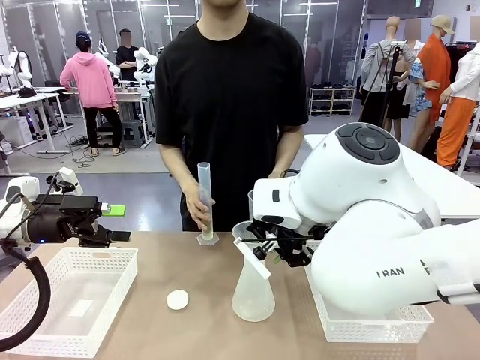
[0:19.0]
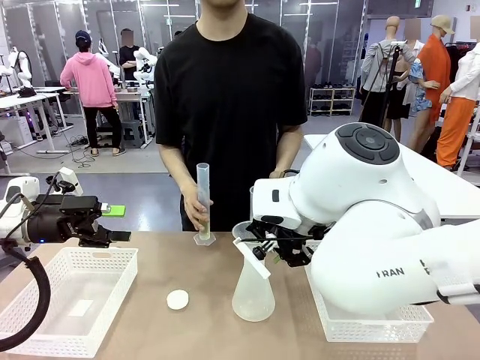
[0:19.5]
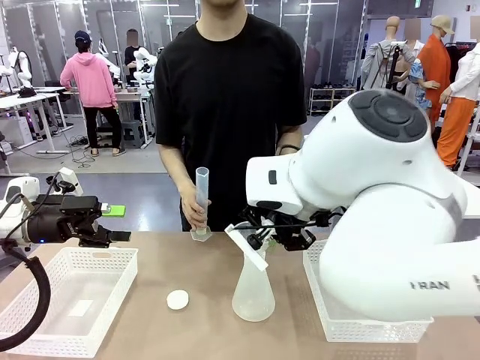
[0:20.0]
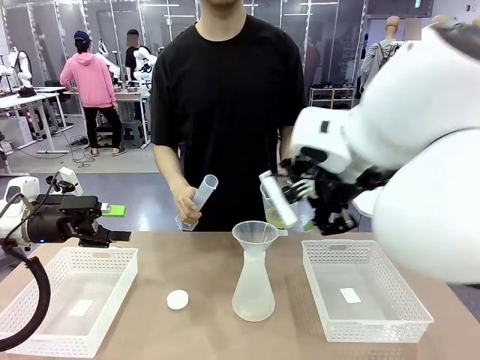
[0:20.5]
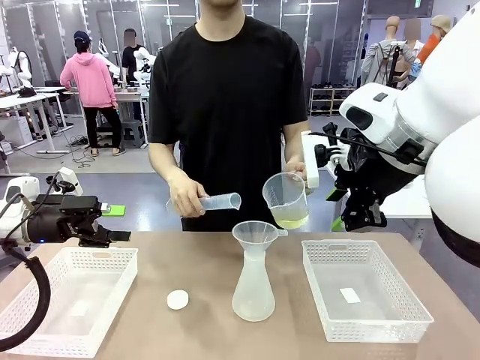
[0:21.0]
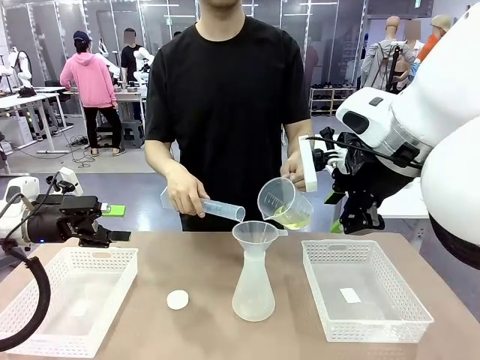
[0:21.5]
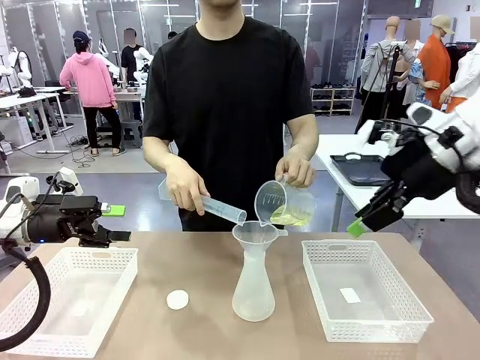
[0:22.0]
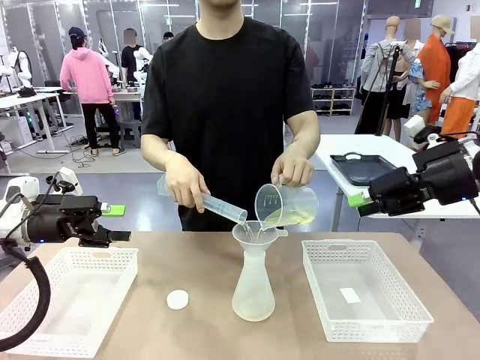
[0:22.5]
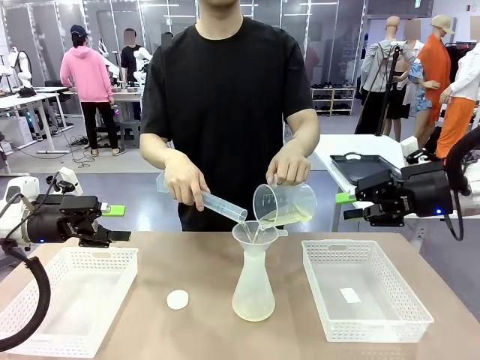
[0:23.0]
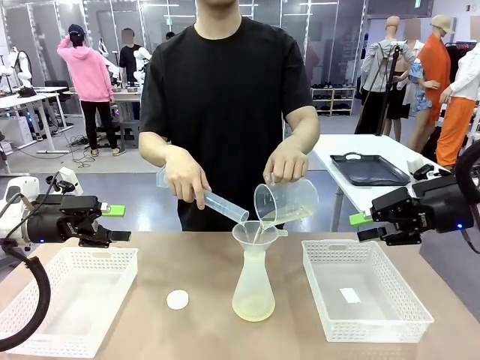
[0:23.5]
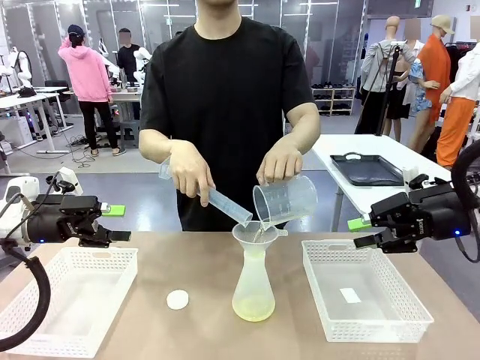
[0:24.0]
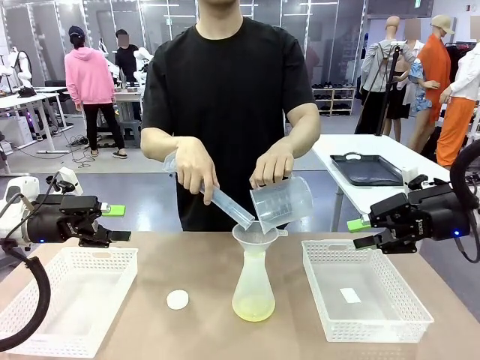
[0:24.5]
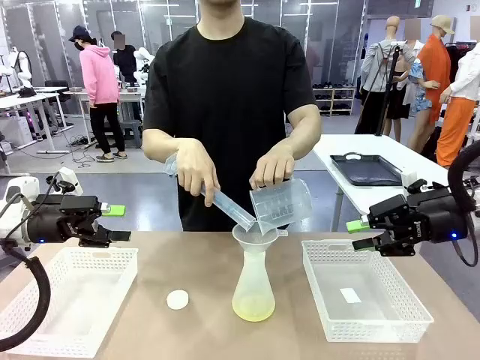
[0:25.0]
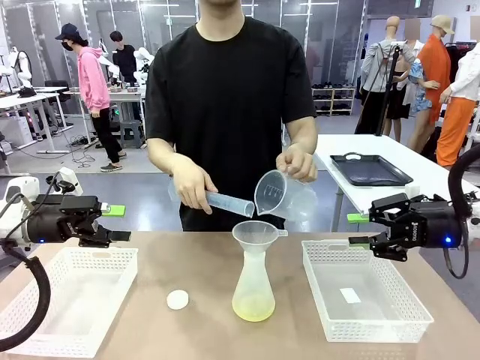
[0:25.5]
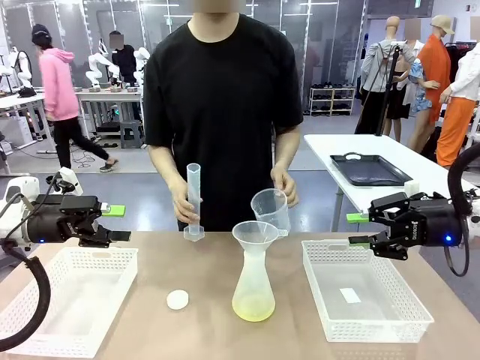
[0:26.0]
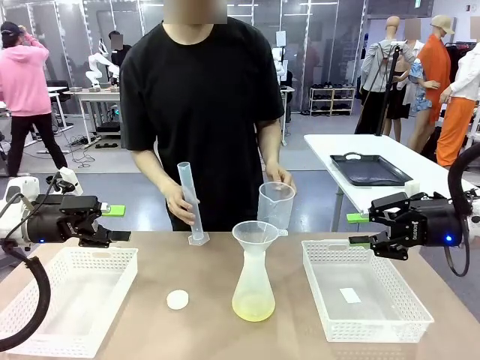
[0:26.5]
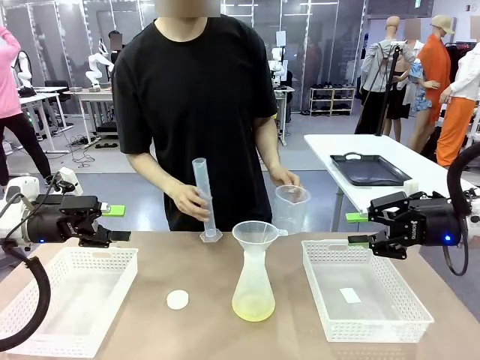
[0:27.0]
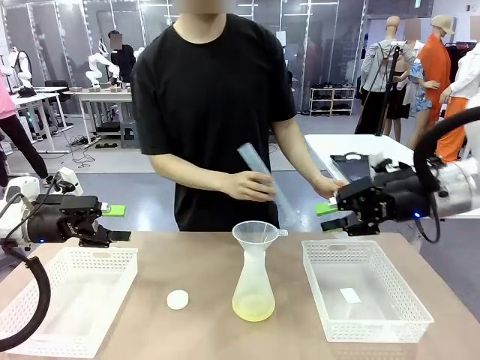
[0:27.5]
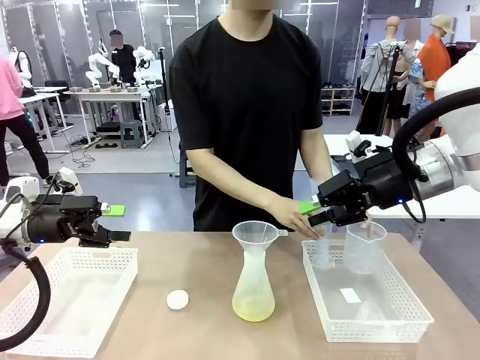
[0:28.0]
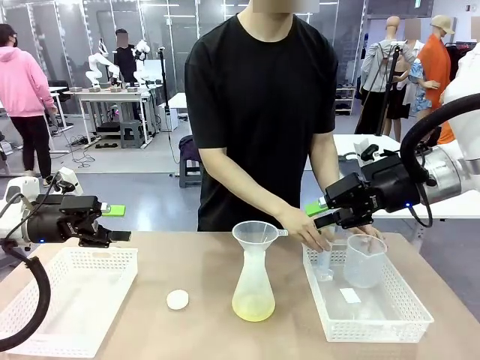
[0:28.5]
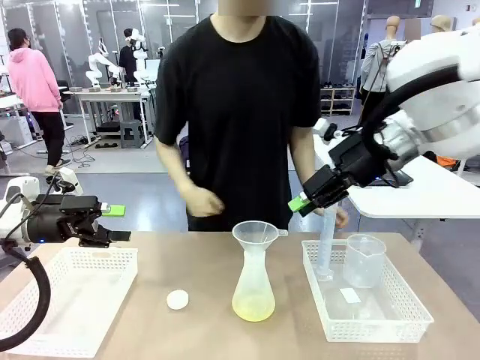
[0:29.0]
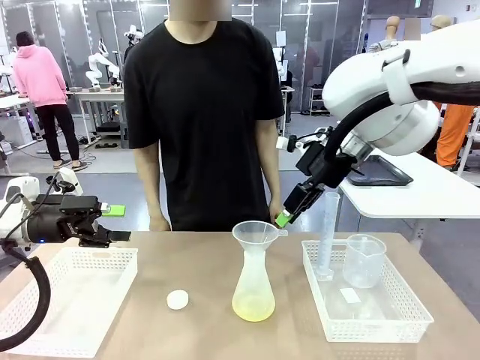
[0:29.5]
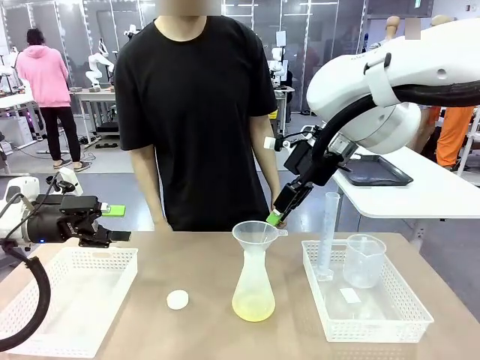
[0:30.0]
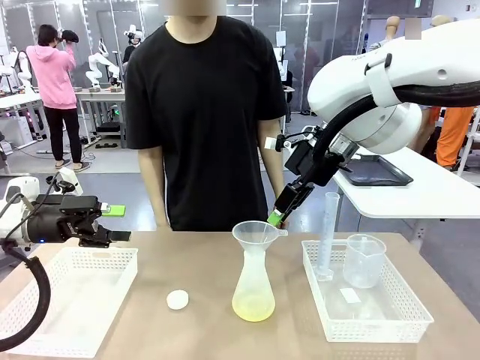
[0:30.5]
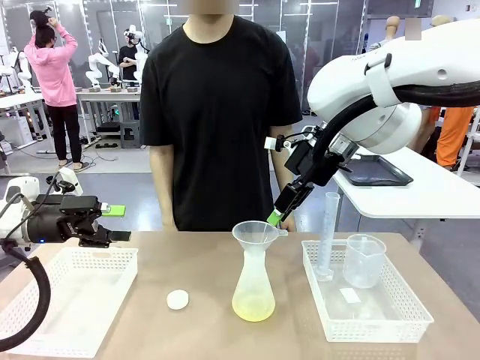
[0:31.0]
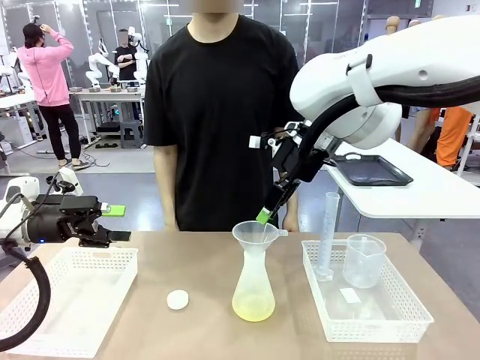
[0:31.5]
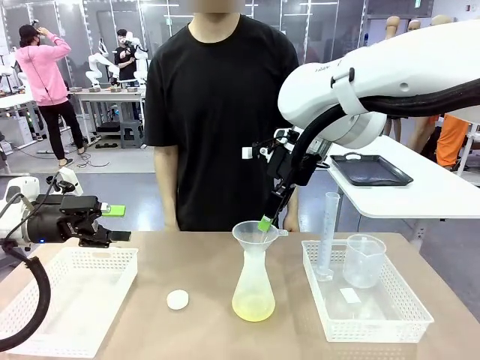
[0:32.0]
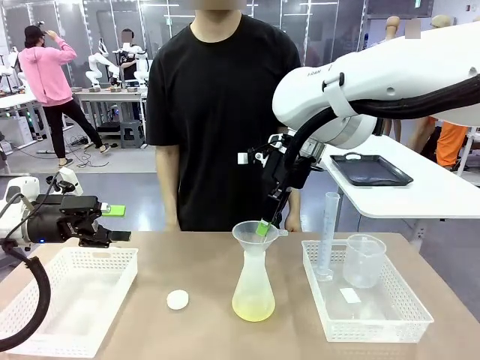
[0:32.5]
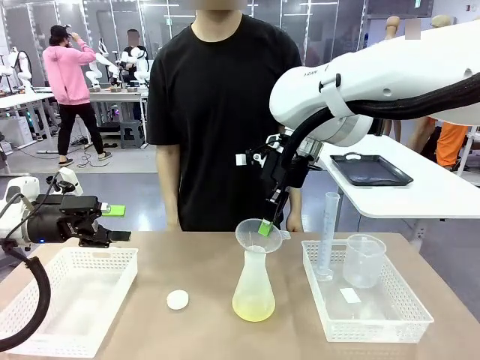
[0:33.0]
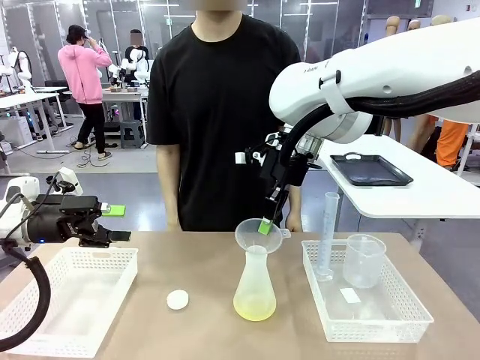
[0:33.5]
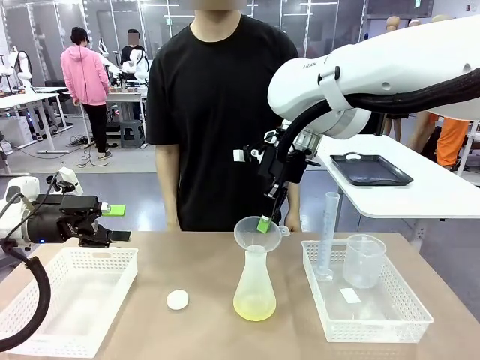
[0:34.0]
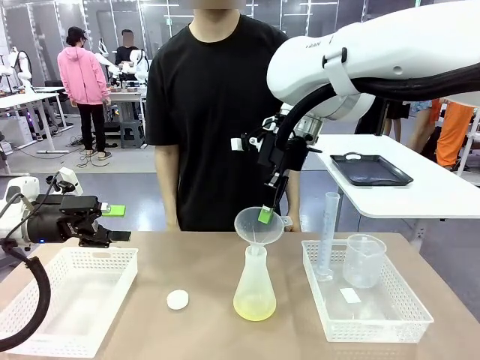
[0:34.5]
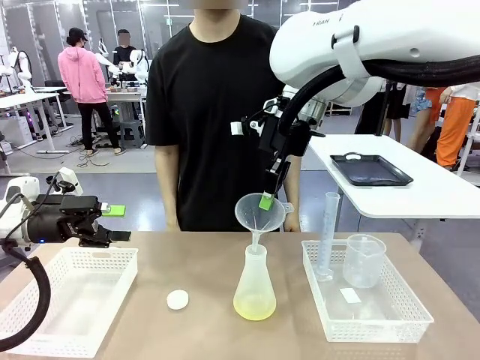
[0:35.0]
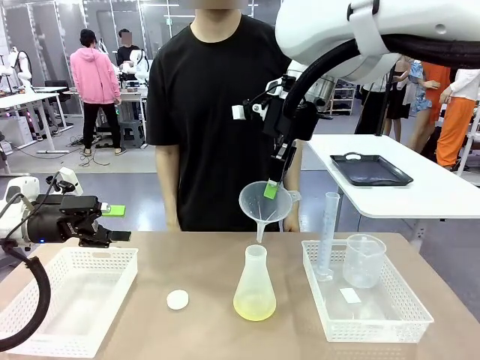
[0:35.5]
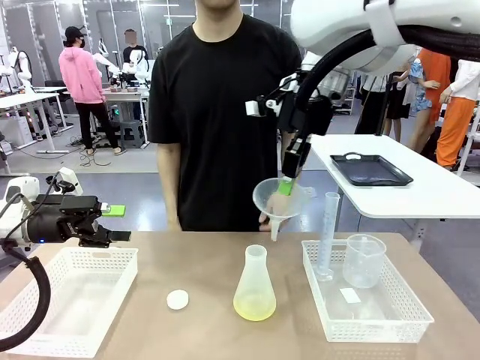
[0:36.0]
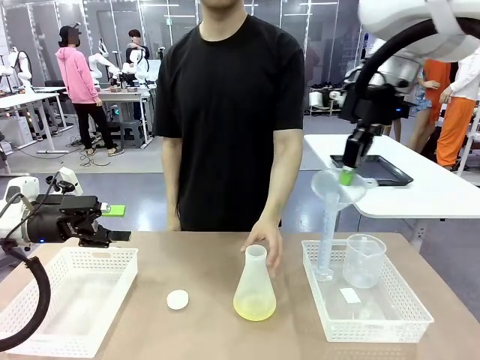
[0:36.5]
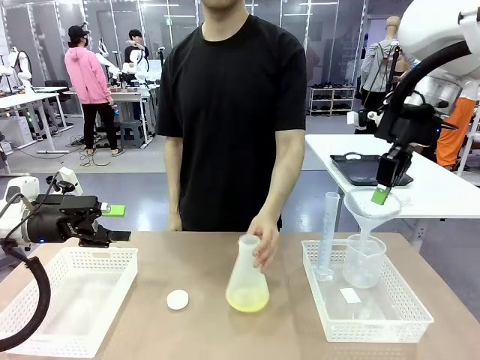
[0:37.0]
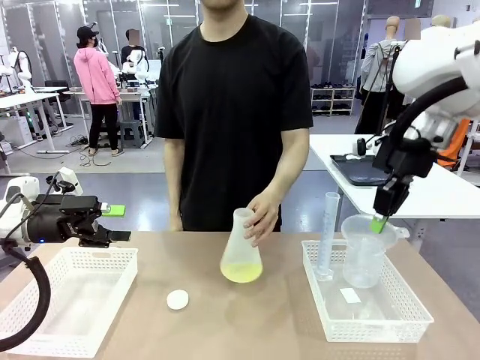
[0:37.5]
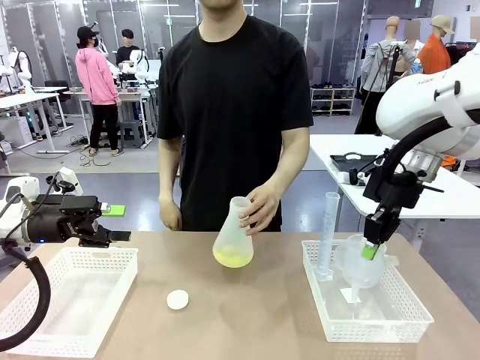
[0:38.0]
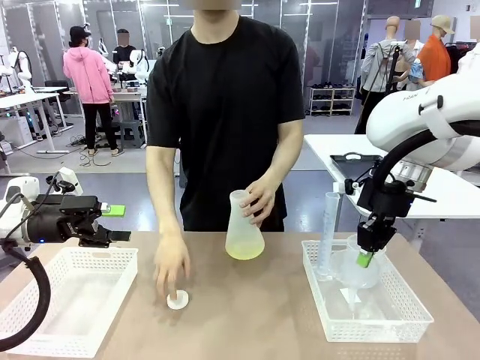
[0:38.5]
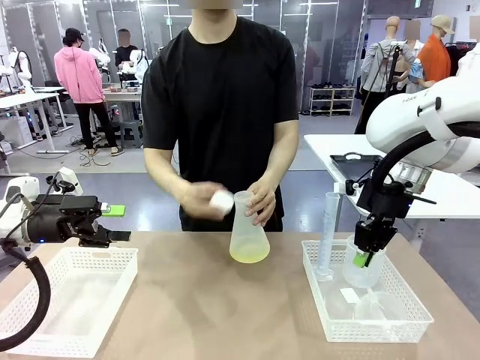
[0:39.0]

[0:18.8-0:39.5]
Task: Prepare the solutions needed for the experiment.
Robot: Once the solution is in the Big flask , pick up the Plastic Funnel and place it back into the right Organizing basket.
Person: Place the beaker and the cylinder into the organizing basket on the left side. Pick up the flask, gently shake it 2–3 times, place it in the middle of the robot table, and close the lid.

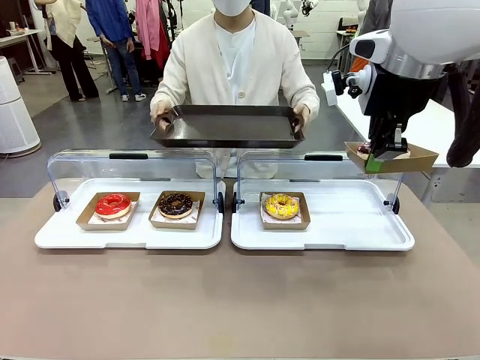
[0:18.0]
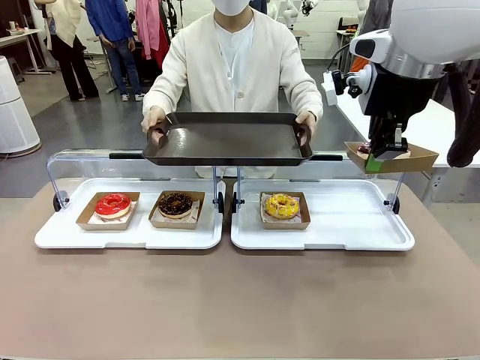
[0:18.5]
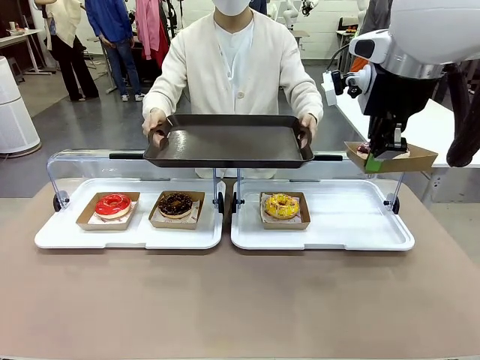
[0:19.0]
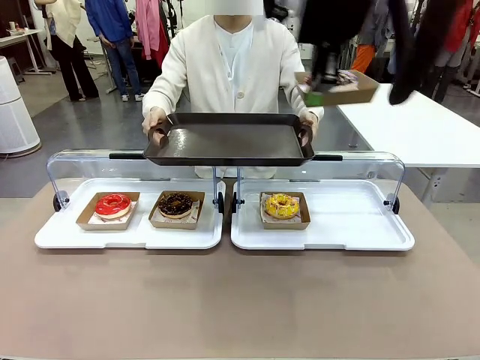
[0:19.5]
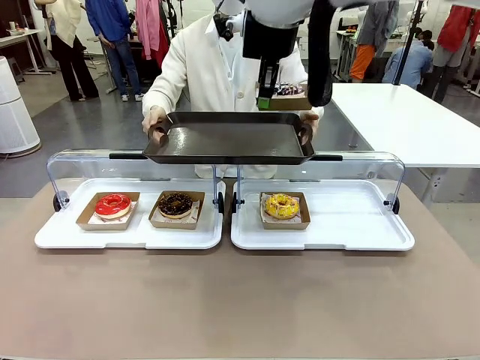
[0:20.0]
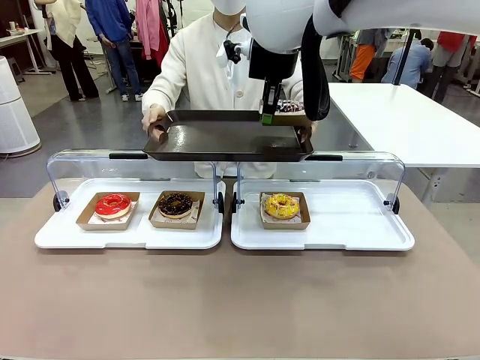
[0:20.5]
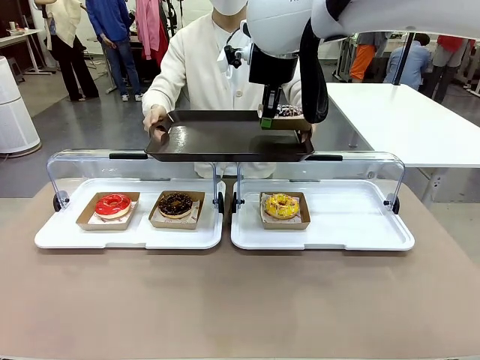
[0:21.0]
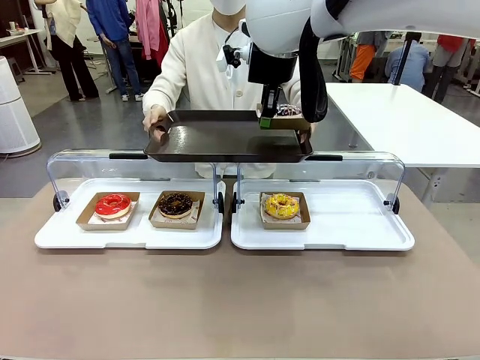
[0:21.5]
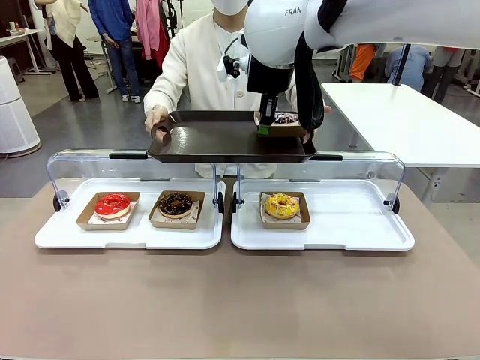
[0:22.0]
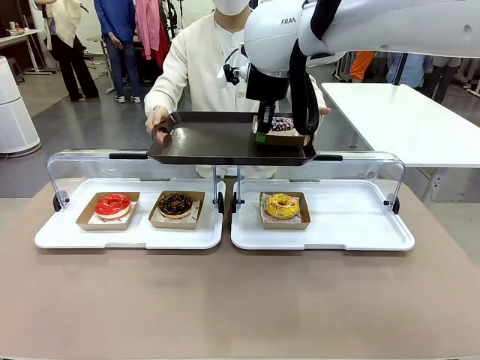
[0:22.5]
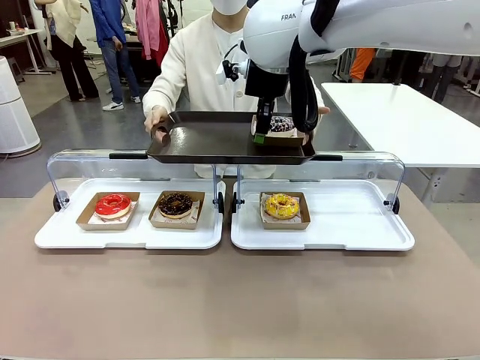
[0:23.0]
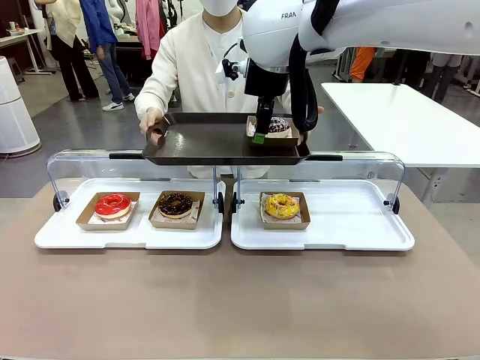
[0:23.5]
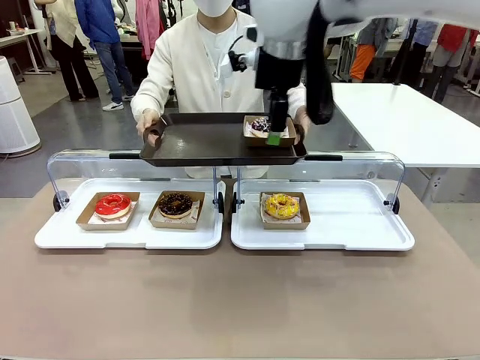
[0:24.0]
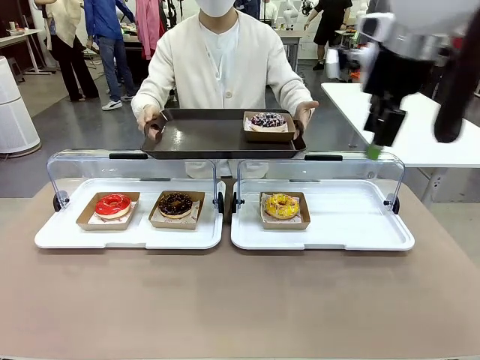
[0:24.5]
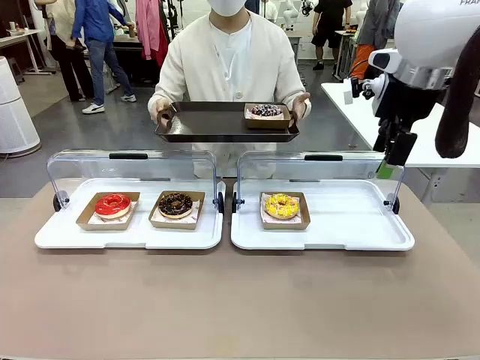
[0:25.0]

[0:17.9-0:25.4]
Task: Provide the desired donut to the person.
Robot: Place the picked Paper togo box onto the Handle tray extended by the person.
